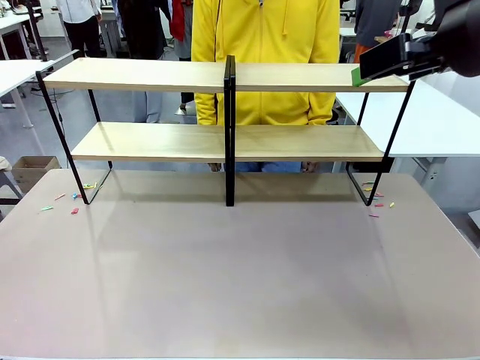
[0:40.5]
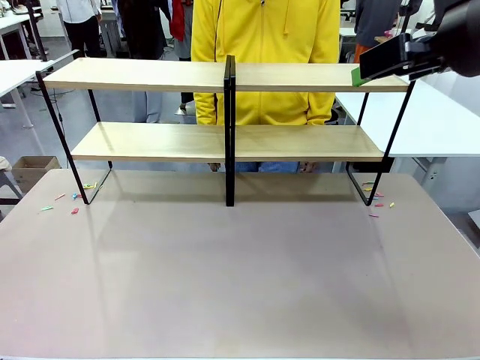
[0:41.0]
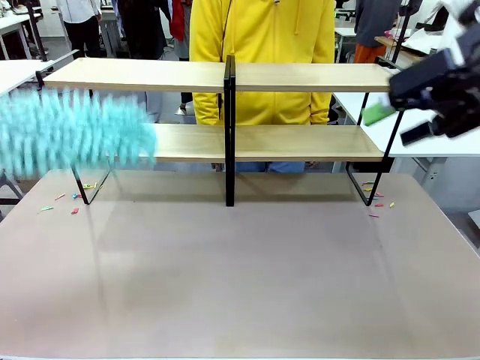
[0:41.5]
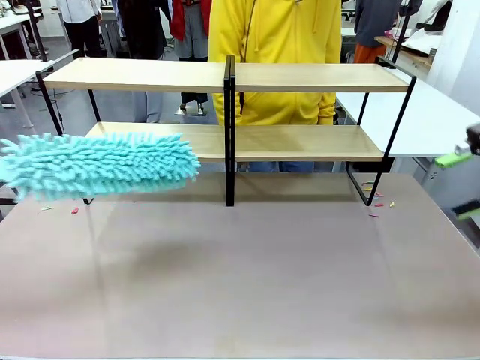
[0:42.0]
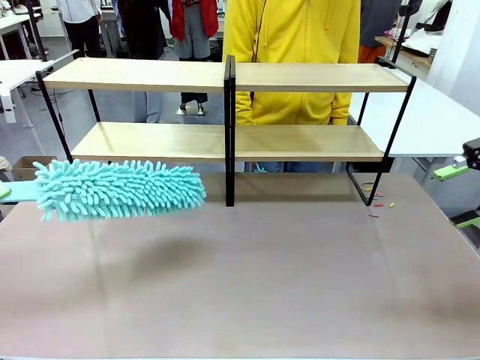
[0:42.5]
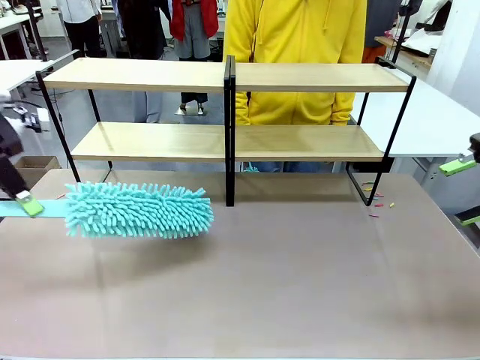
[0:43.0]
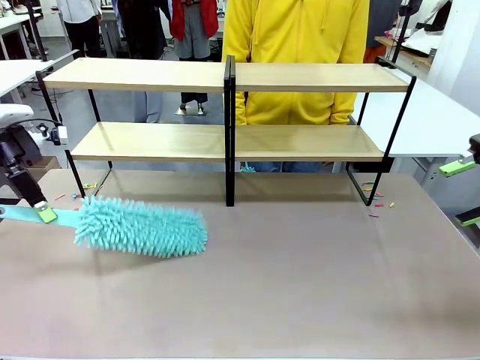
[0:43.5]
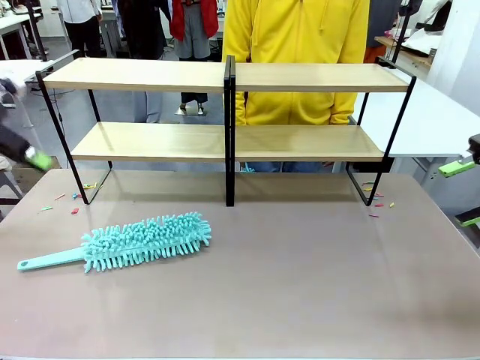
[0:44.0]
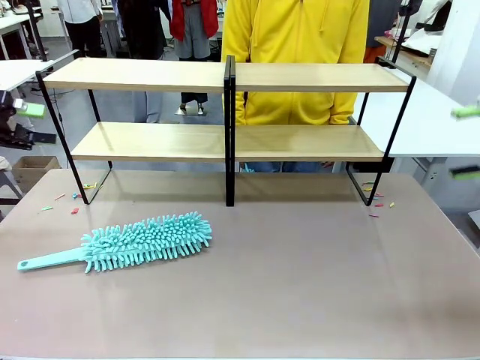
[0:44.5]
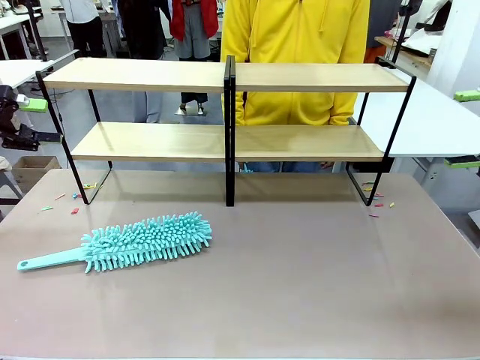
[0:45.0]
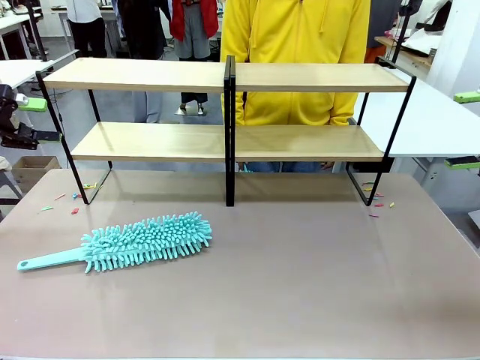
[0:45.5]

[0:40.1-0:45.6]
Task: Clean the shelves.
Robot: Place the Duster on the table.

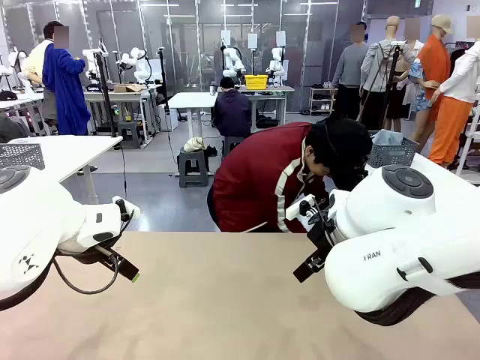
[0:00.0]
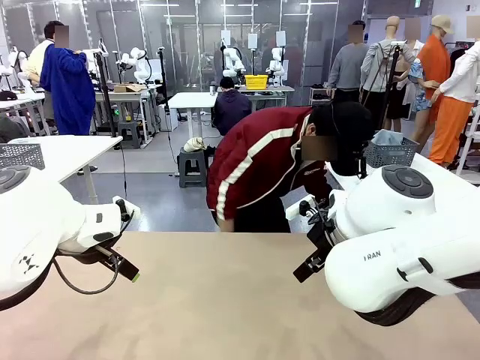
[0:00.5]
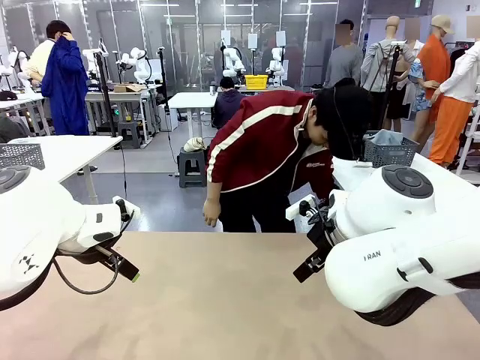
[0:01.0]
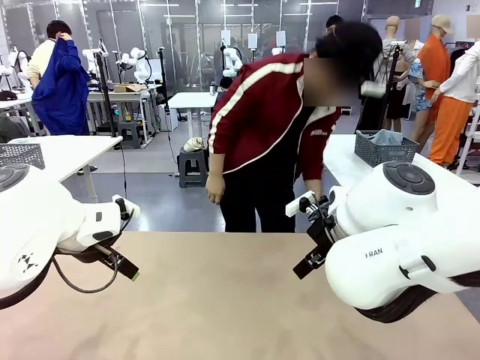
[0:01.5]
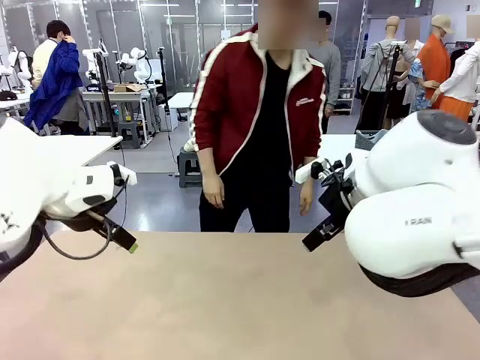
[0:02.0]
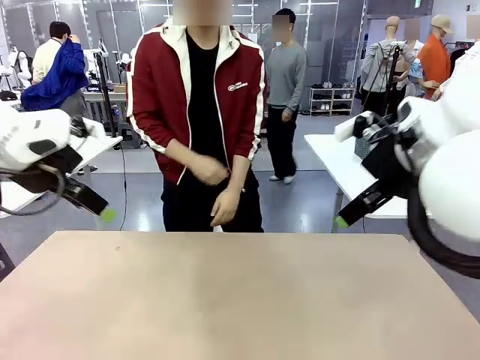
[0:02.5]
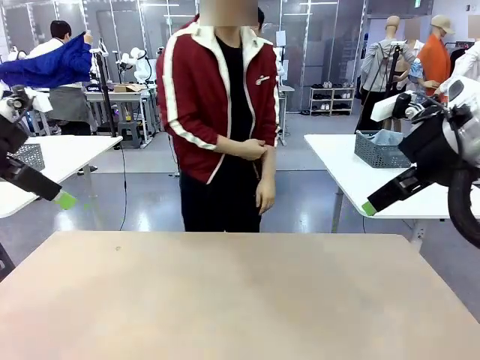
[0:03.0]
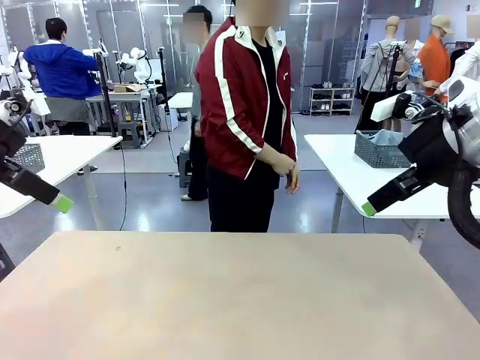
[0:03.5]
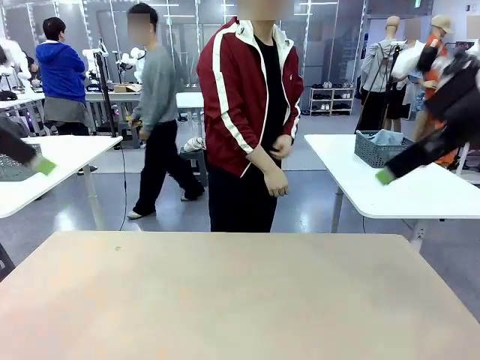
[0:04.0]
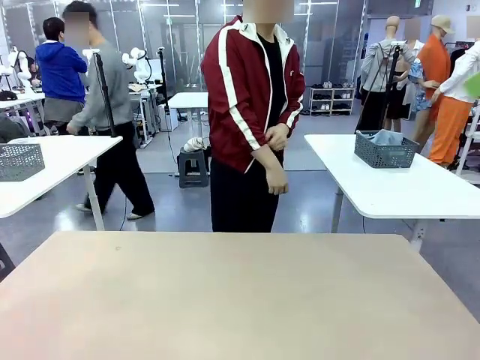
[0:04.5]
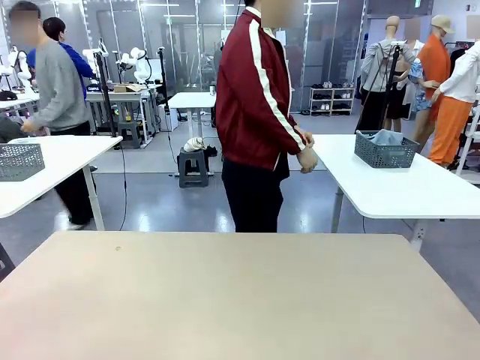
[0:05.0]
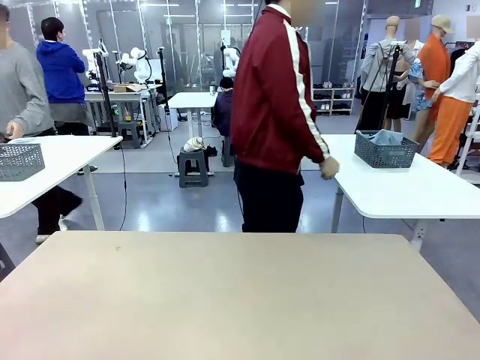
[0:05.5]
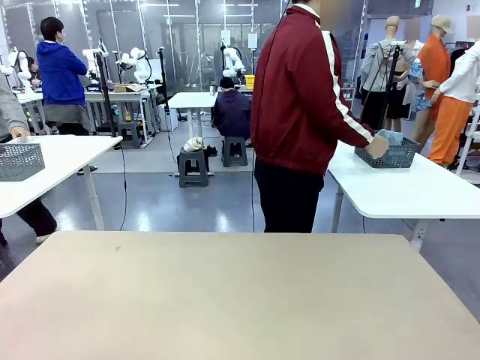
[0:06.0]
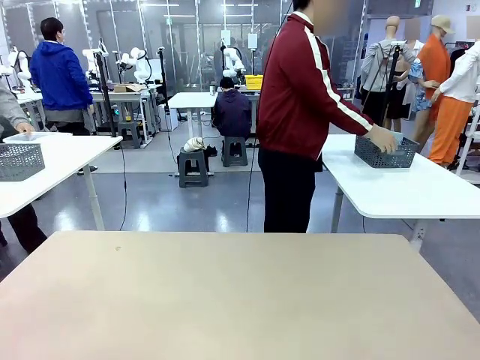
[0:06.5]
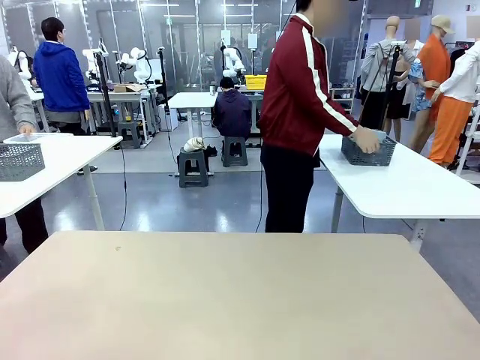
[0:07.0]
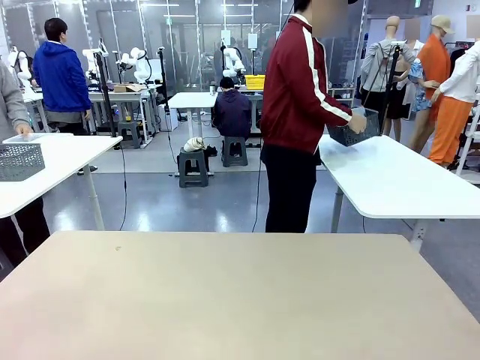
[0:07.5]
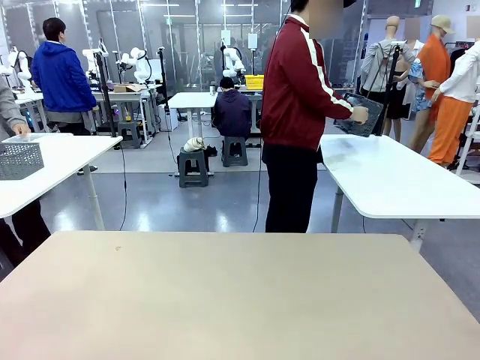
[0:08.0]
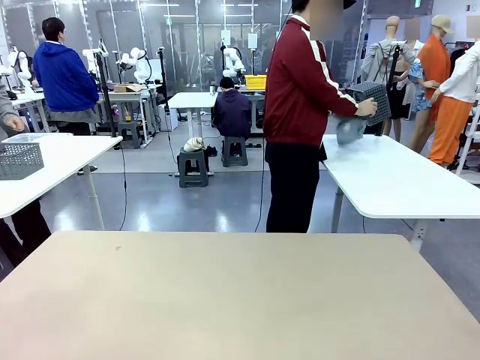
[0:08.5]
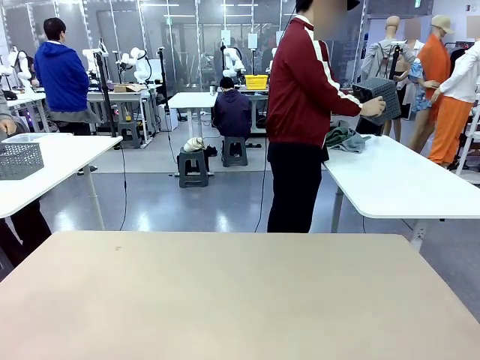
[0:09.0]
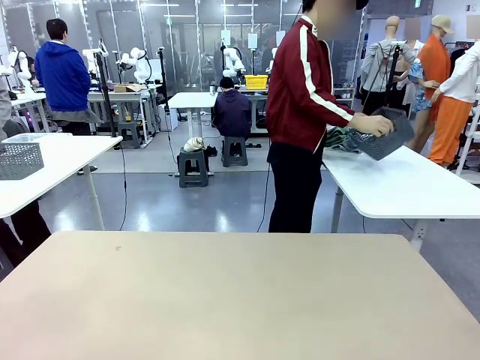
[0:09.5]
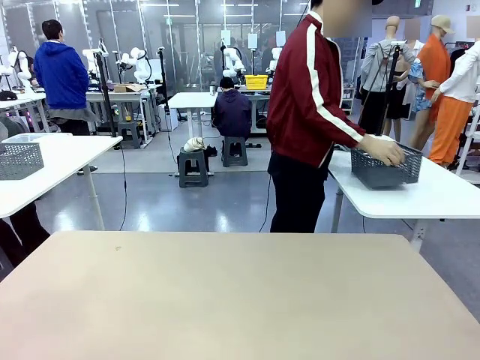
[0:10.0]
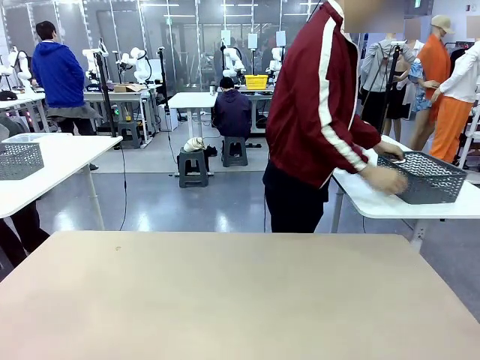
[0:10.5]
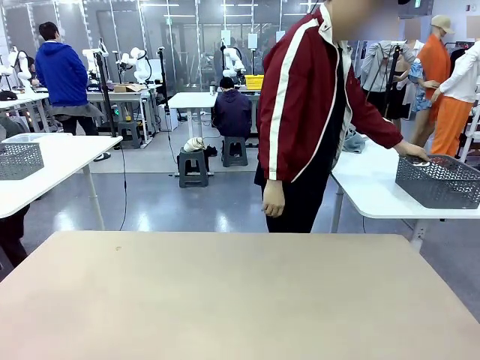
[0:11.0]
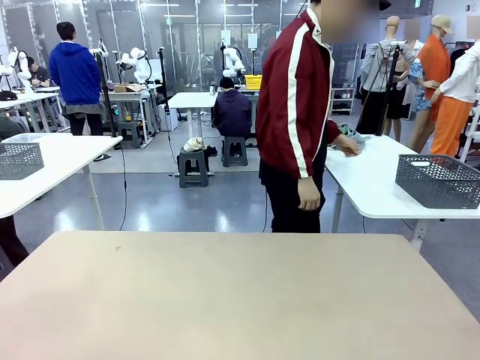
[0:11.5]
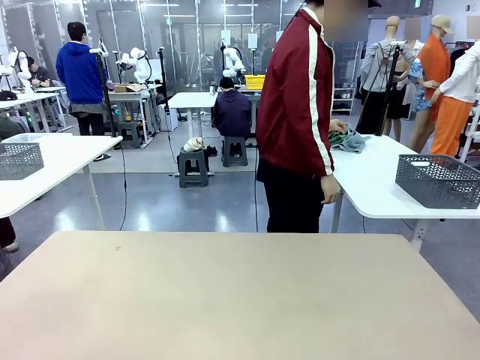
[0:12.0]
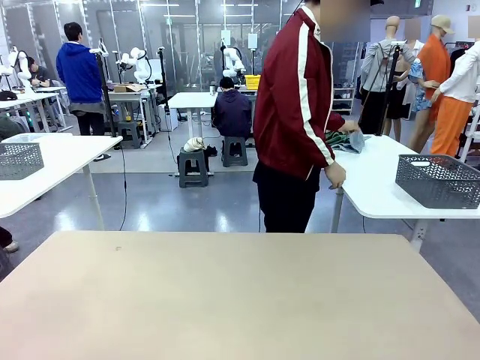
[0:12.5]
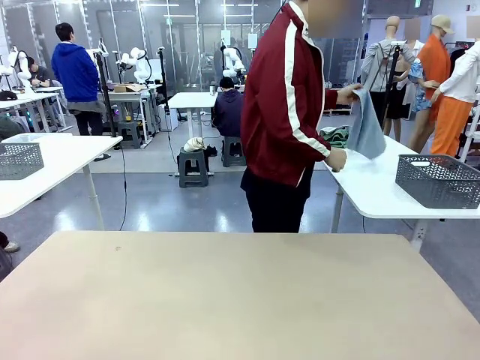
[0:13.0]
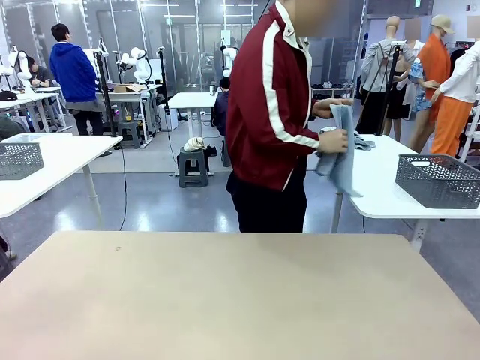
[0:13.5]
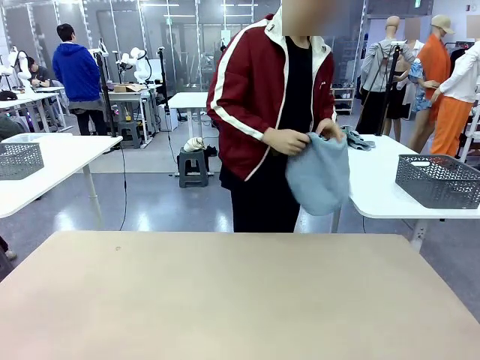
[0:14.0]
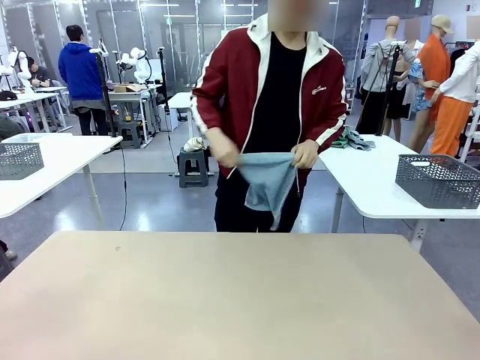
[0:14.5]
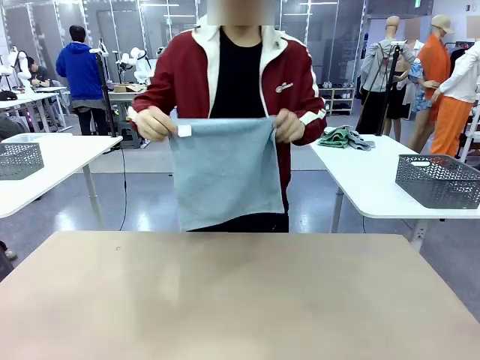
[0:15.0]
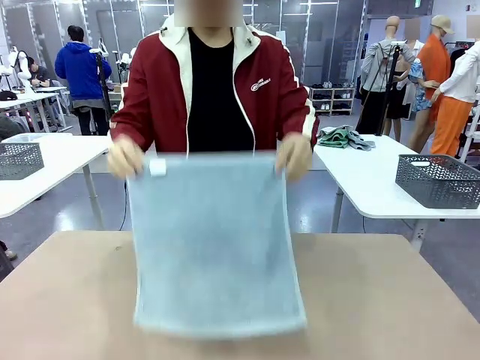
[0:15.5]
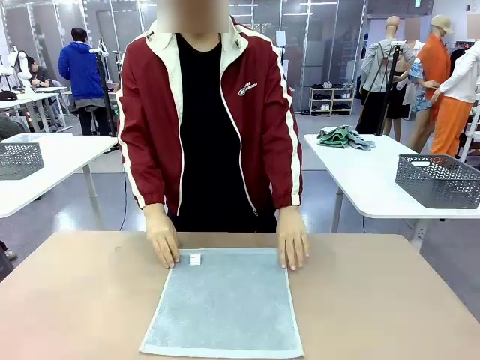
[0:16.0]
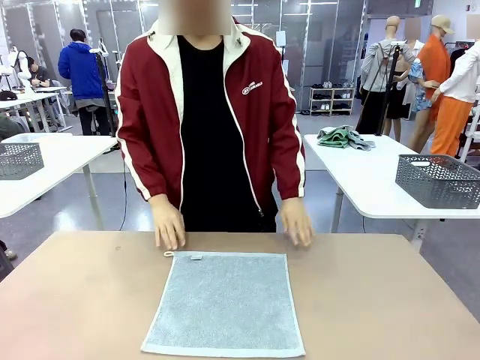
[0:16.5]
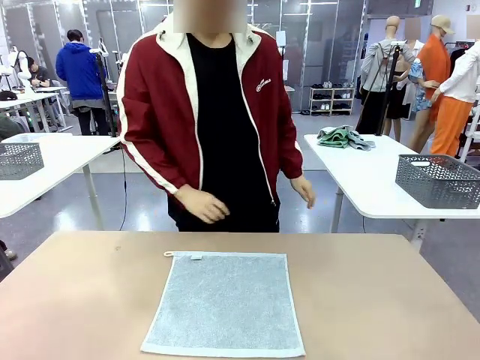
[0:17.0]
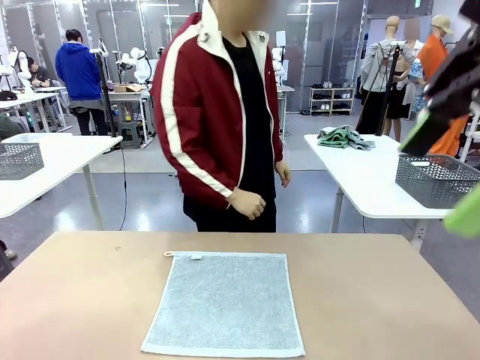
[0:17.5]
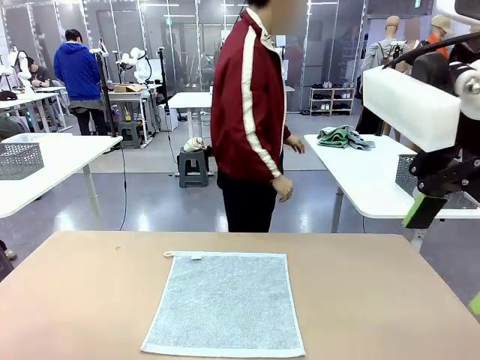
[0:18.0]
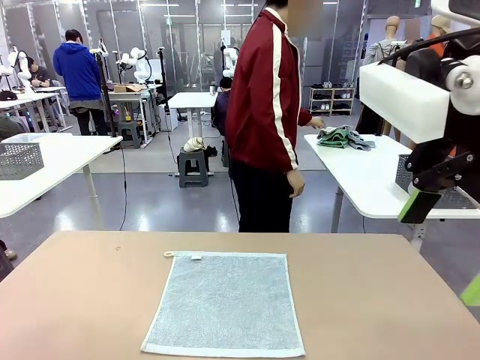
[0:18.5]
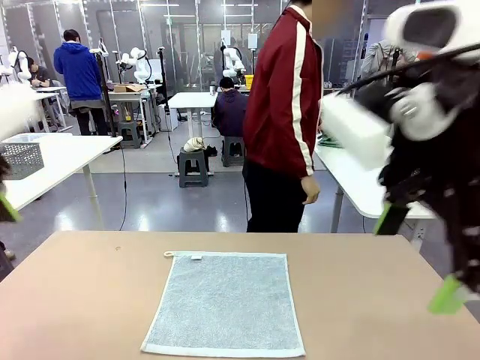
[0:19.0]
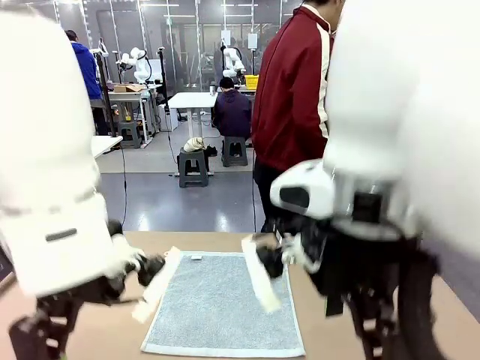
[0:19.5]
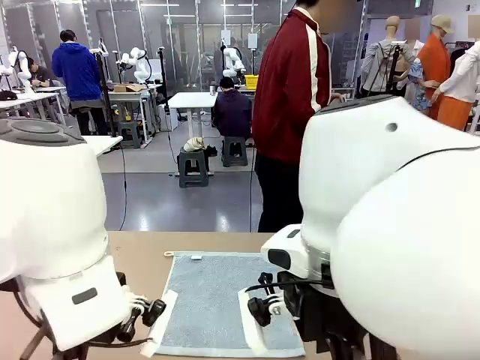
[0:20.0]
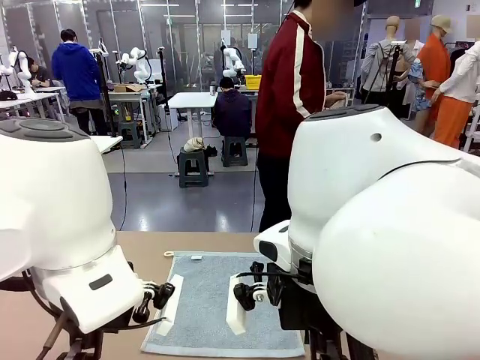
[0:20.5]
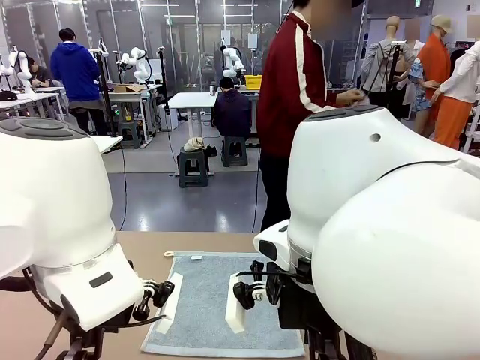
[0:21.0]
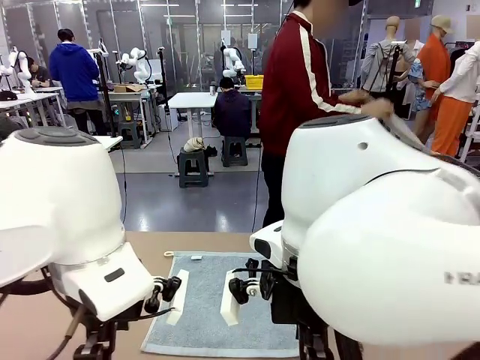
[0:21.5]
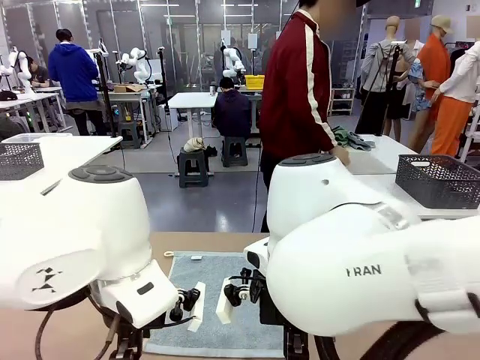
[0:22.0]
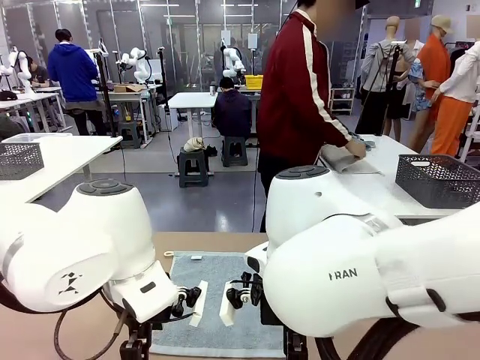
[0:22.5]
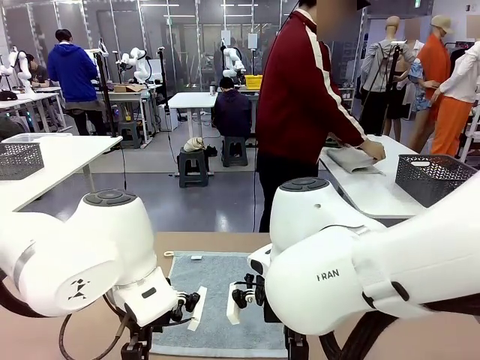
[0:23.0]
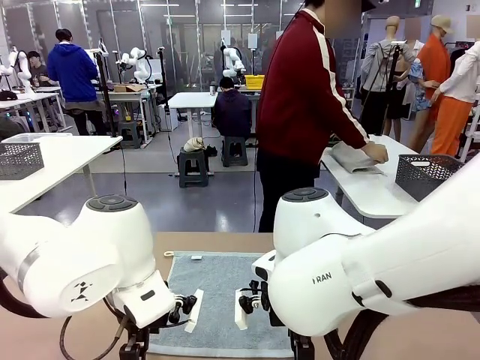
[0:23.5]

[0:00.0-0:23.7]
Task: Fold the towels and place them in the basket.
Robot: When a person lays out a Towel with hook on the table, fold it in half twice.
Person: Pick up the basket, pour the towels onto the left side of the human table, and place the basket on the right side. Pick up one towel and spread it out at the center of the robot table. Pick up one towel from the left side of the human table, fold it in half twice, and place it on the right side of the table.
